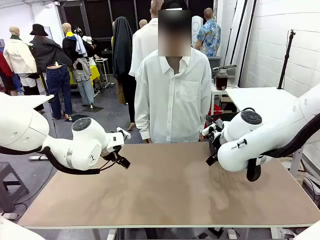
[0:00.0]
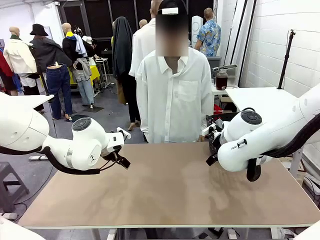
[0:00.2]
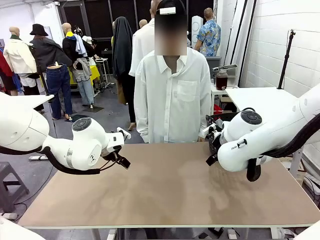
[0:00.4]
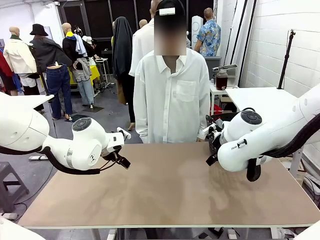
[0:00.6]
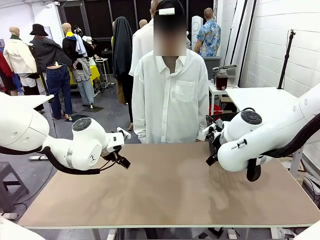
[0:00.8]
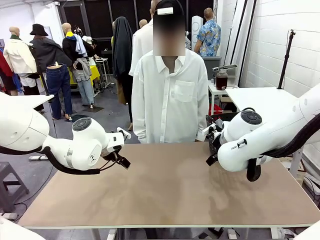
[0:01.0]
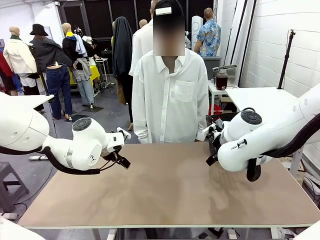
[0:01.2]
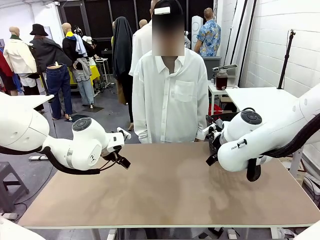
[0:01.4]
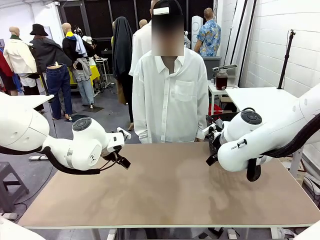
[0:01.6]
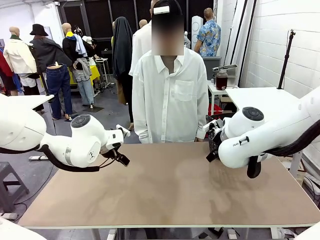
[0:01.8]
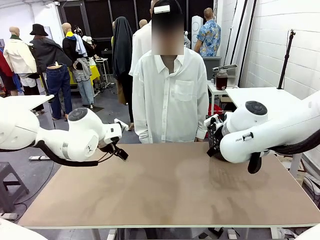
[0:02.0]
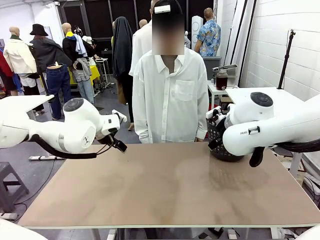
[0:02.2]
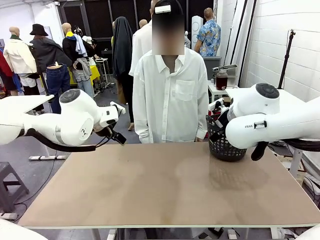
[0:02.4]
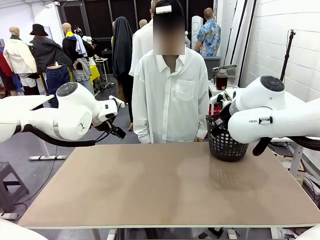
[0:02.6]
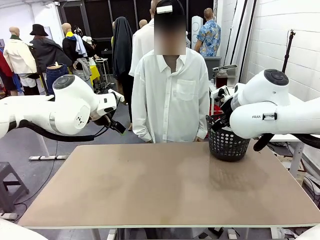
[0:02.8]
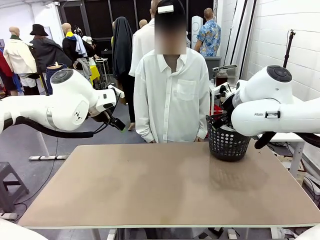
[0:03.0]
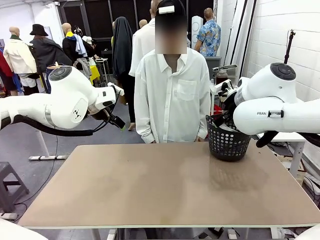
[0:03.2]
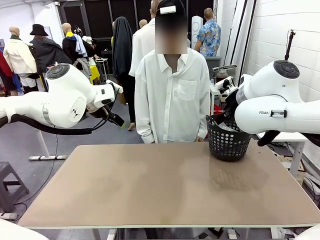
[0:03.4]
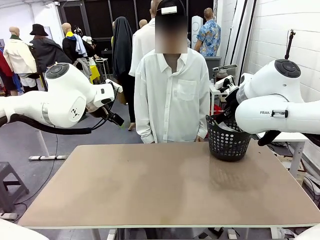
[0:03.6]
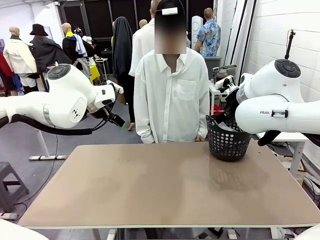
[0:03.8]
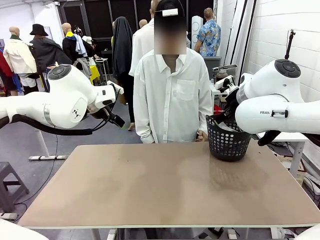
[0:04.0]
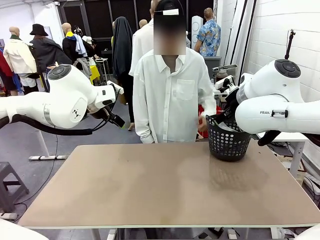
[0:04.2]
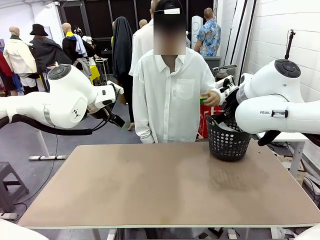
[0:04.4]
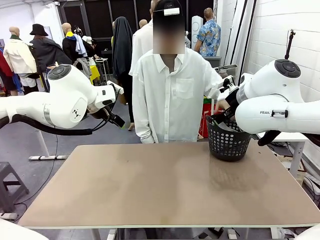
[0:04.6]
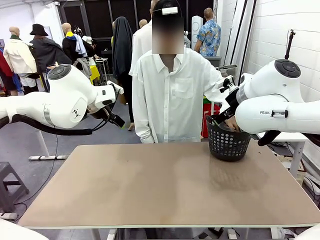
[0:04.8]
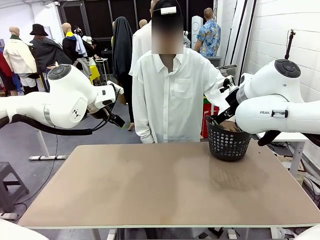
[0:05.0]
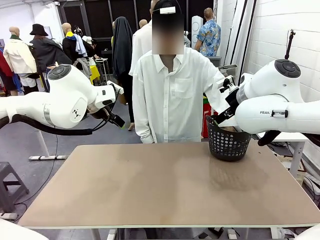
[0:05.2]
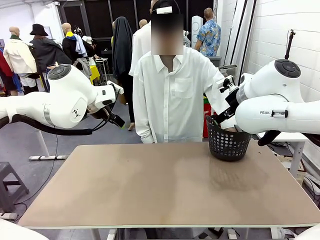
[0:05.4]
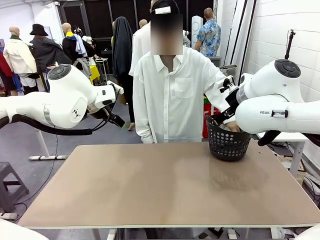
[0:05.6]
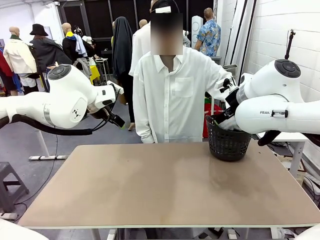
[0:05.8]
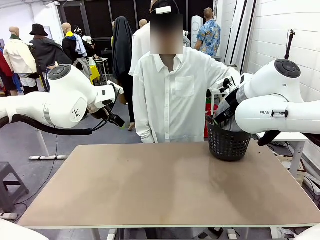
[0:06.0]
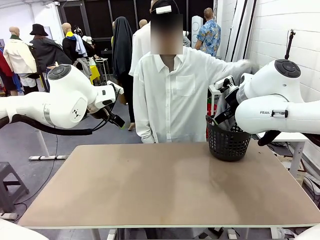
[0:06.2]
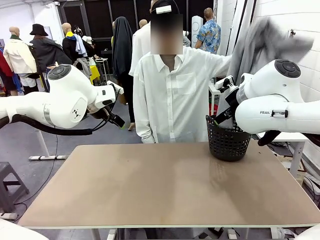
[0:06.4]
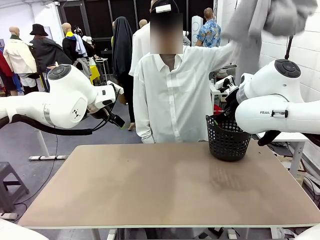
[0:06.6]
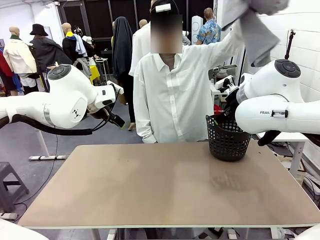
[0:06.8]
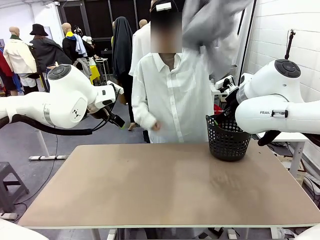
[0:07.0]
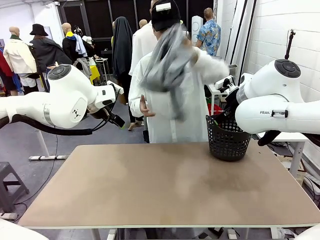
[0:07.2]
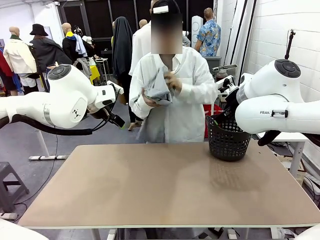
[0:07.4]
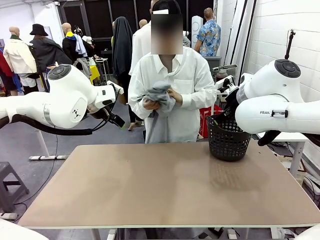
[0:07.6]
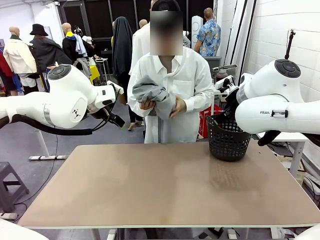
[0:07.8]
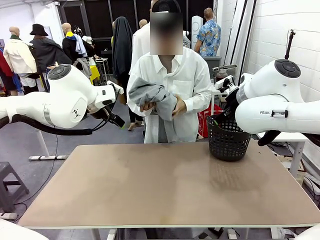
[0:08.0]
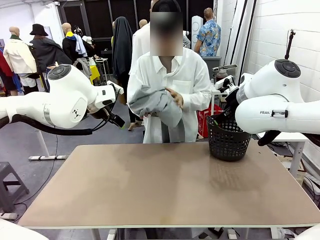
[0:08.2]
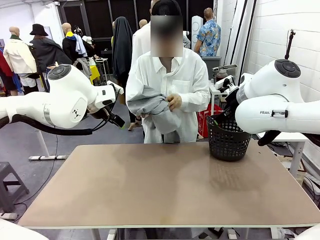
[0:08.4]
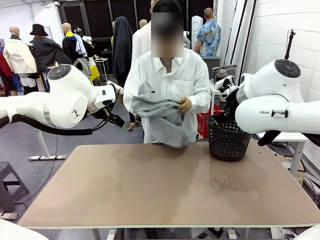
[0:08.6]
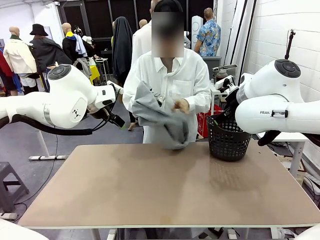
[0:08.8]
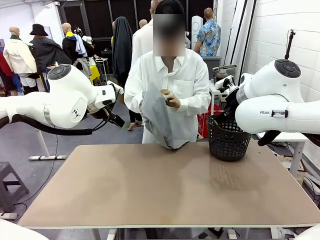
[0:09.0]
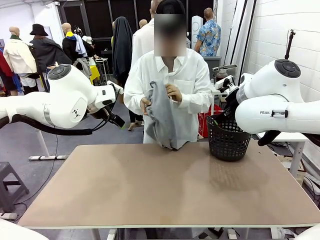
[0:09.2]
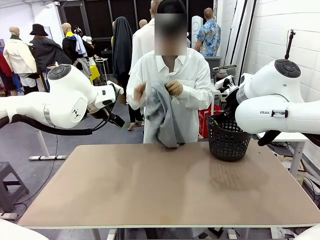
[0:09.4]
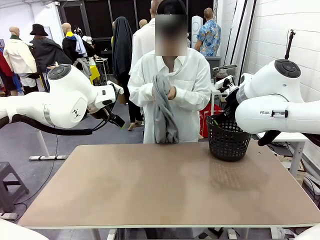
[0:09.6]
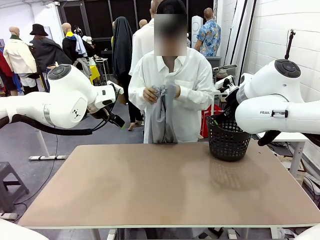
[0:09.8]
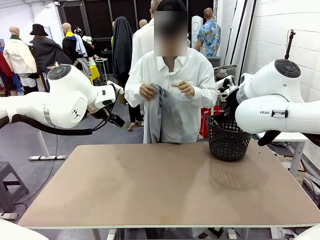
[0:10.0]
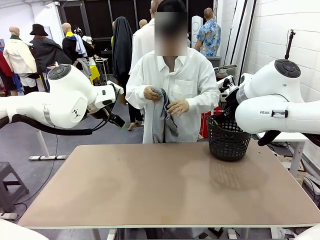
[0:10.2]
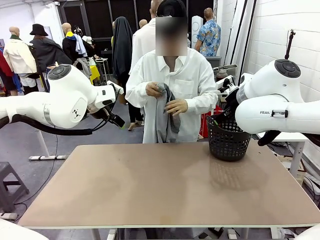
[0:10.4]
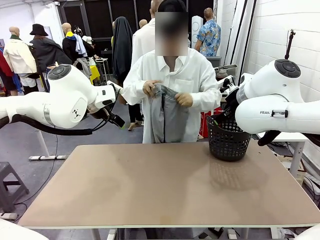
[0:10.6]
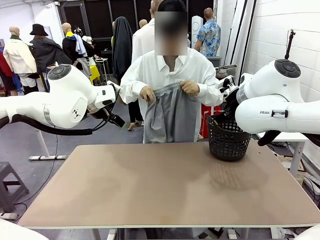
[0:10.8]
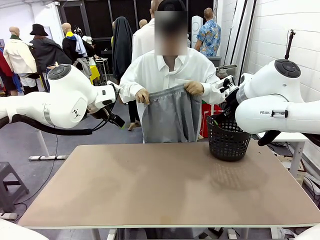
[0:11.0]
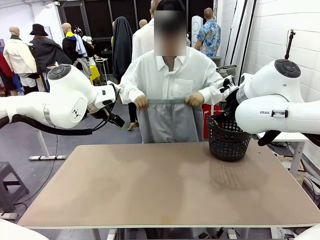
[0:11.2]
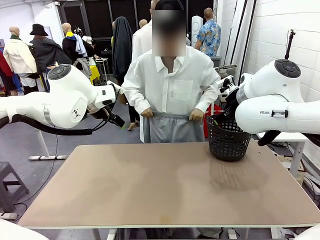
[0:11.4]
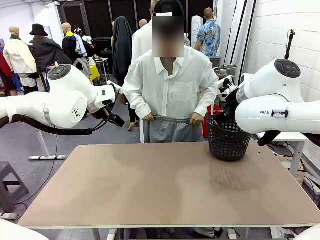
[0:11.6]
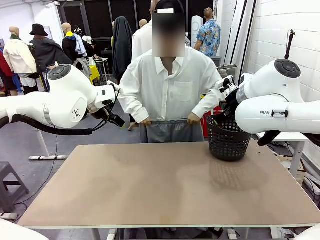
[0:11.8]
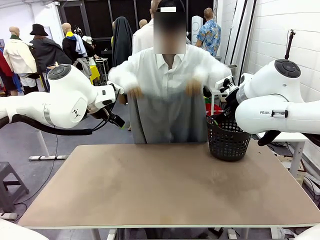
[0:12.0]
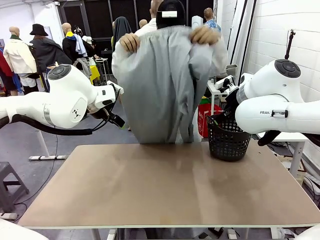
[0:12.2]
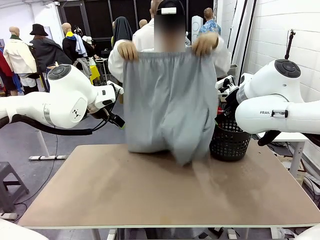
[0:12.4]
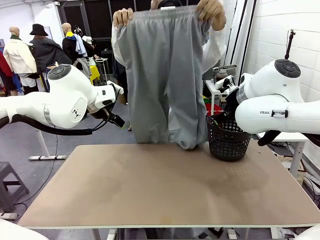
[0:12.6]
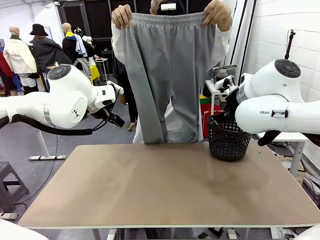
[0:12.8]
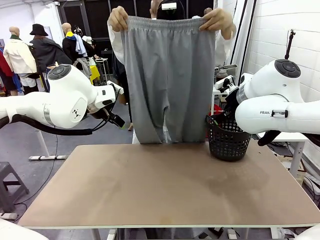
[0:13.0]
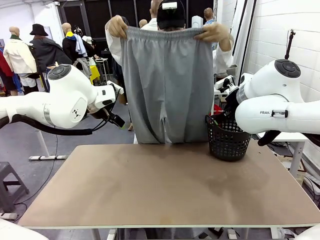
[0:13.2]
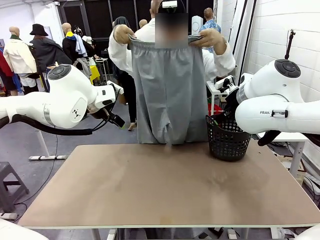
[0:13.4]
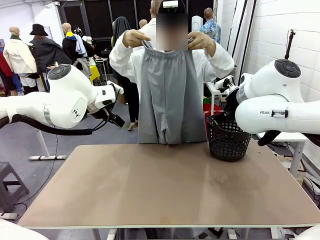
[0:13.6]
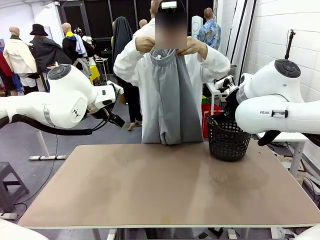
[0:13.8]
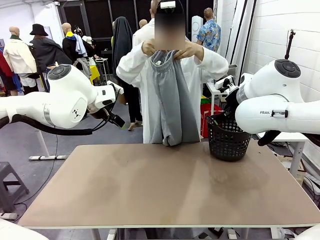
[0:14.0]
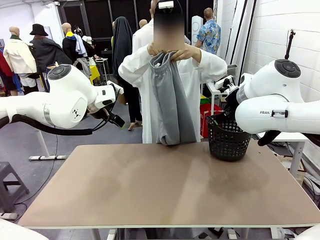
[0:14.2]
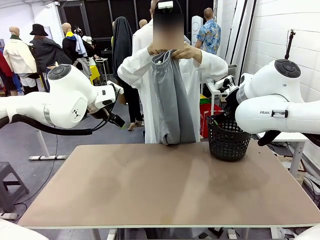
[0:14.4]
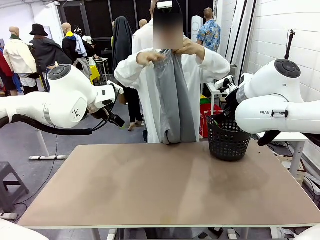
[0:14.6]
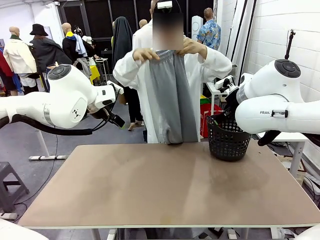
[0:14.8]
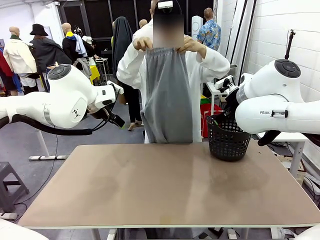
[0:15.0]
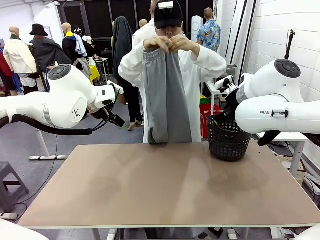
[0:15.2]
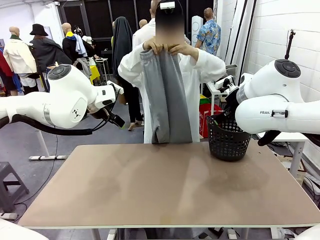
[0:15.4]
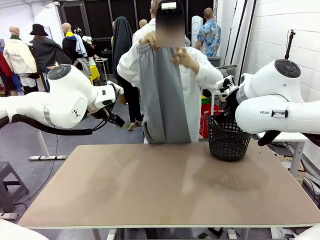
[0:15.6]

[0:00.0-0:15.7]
Task: Fold the training pants.
Robot: Grab both ends of the Training pants handed by a person.
Person: Take the long pants out of the laundry basket, unfold them, fold the waist in half, and extend them so the robot can pick up both corners.

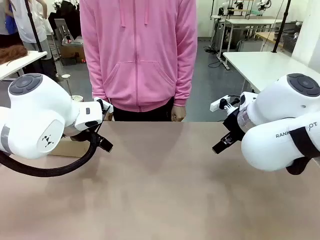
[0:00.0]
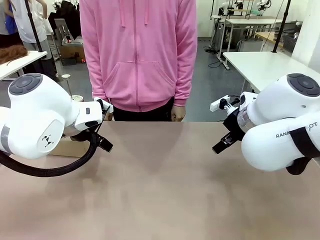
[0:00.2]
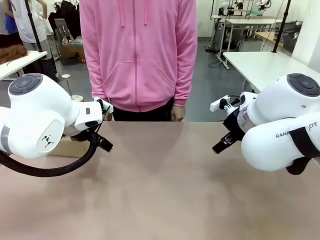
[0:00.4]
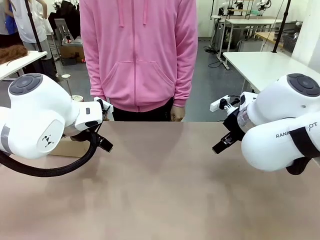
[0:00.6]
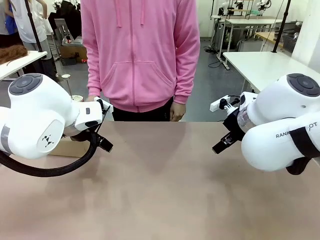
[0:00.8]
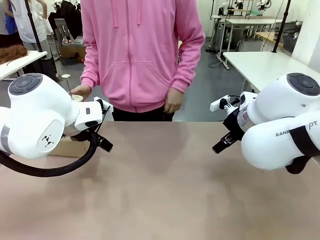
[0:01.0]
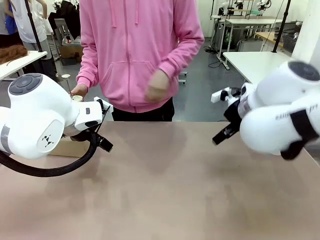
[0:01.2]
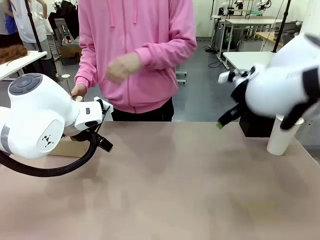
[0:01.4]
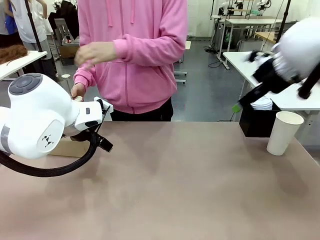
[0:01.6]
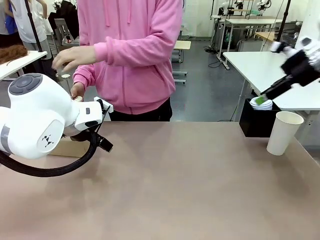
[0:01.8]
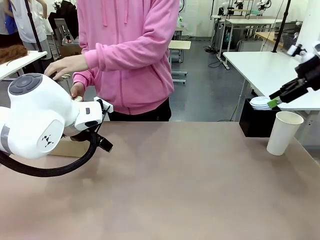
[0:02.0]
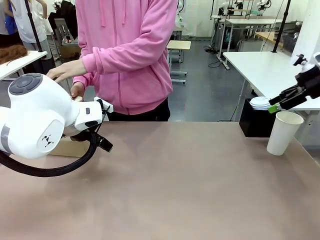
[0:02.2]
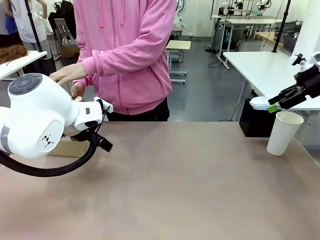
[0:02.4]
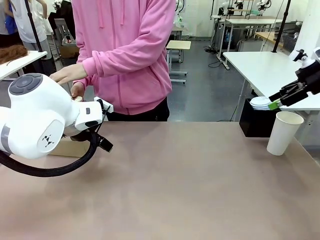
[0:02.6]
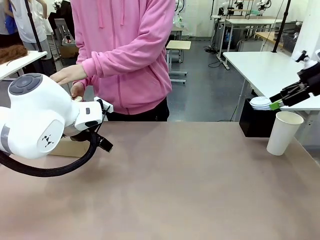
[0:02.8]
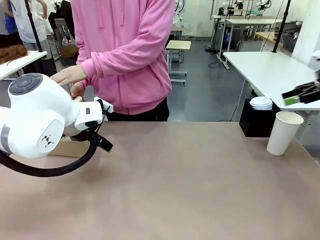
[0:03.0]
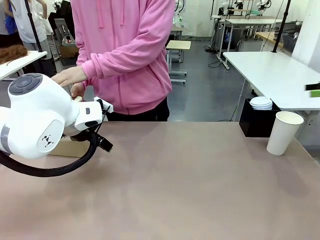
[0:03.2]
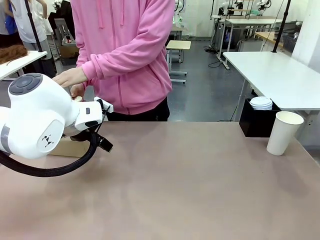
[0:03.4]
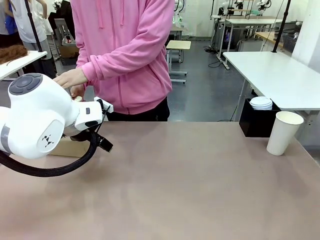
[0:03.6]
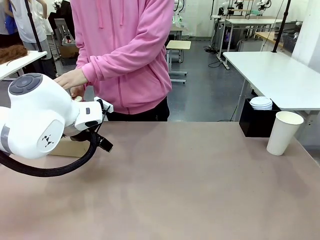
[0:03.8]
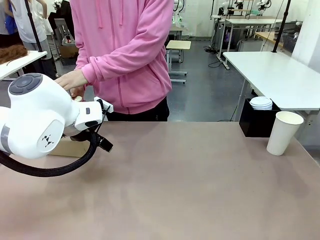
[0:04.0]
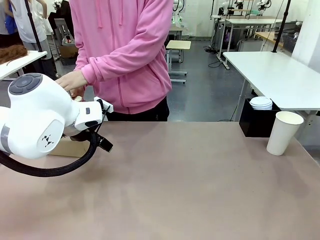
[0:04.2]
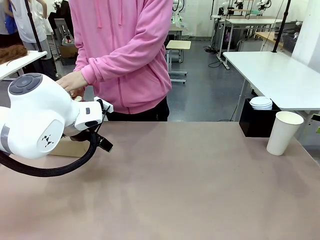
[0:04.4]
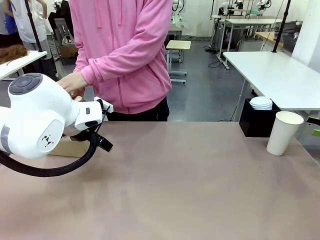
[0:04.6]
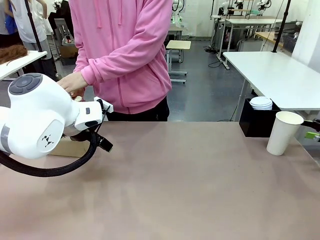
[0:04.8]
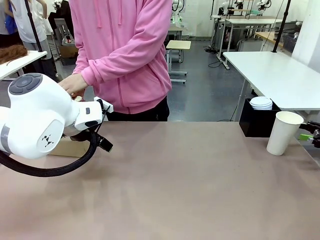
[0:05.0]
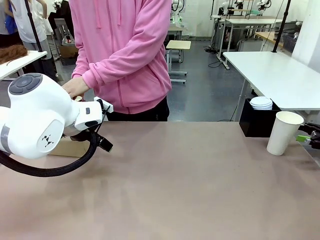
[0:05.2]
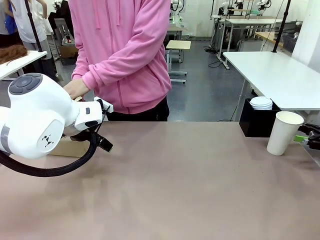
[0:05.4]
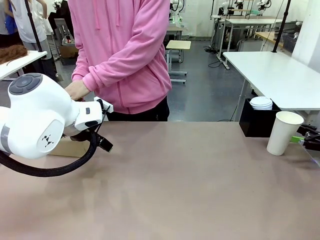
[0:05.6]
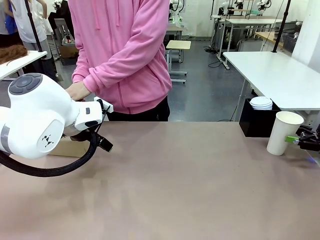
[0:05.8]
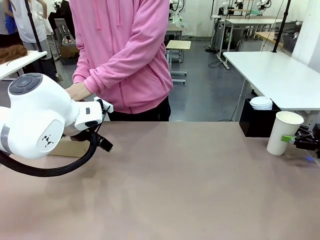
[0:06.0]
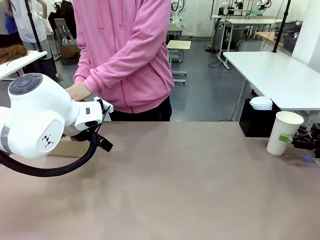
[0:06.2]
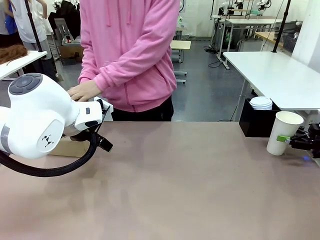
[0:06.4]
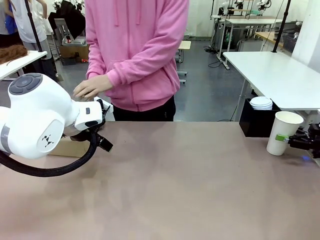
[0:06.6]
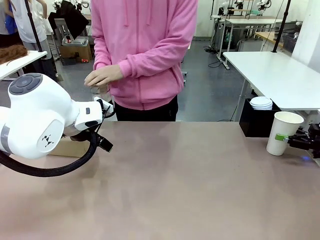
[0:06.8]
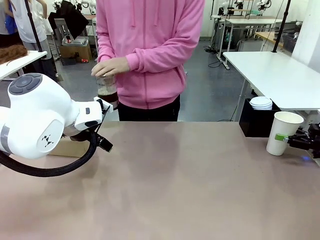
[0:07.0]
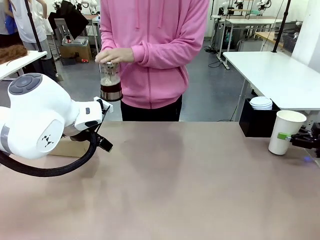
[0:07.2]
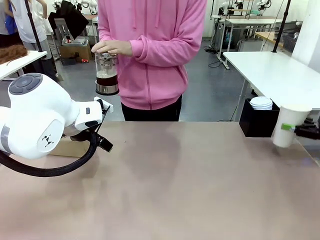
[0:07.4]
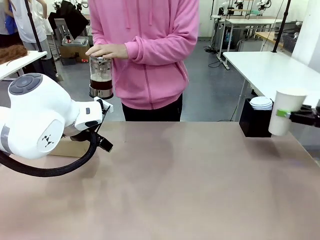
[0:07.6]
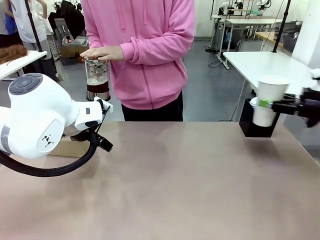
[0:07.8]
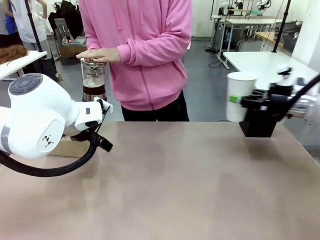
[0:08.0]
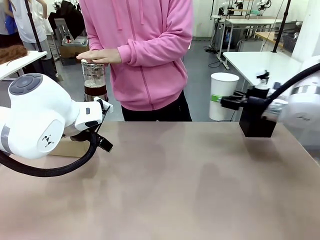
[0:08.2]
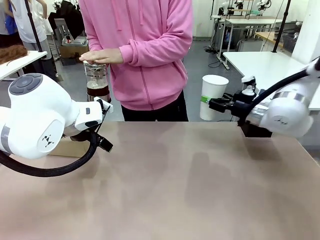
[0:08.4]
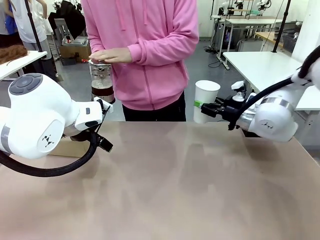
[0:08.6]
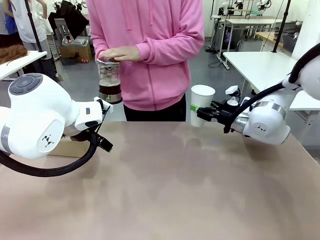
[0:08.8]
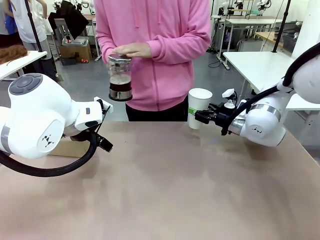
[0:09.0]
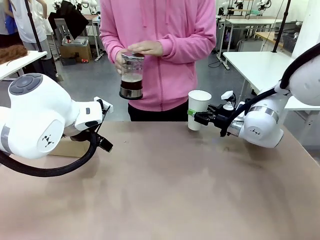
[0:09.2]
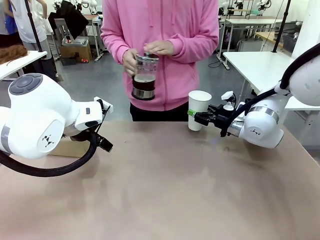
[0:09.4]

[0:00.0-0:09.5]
Task: Pour a drink into a cup and package it in a carrier.
Robot: Pick up the 600 ml Paper Cup and place it in the middle top area of the table.
Person: Press and pick up the Filter Brewing.
